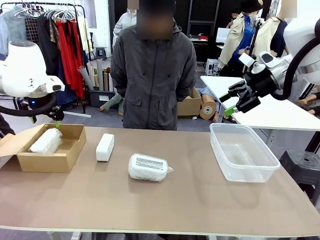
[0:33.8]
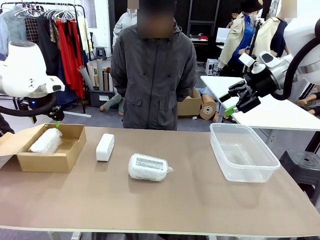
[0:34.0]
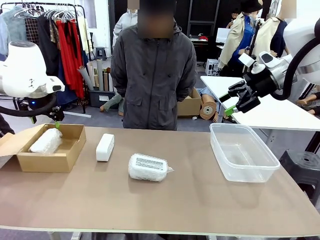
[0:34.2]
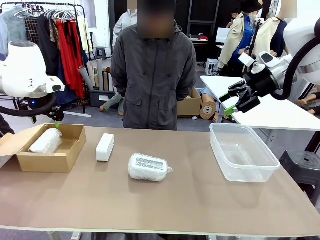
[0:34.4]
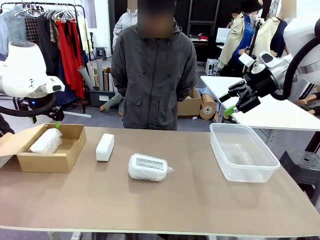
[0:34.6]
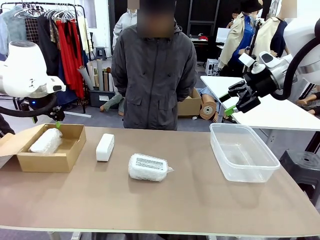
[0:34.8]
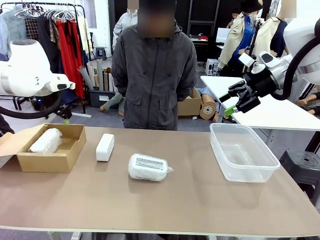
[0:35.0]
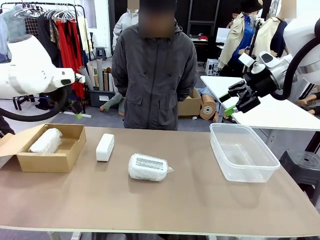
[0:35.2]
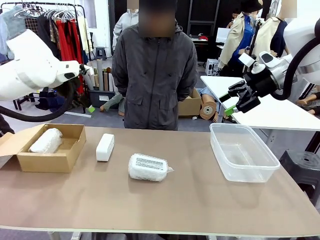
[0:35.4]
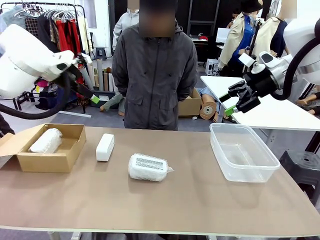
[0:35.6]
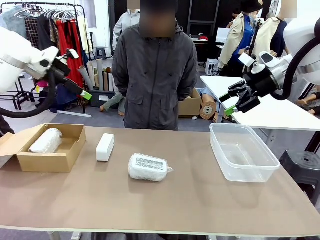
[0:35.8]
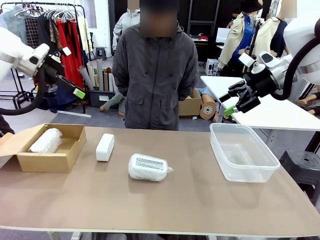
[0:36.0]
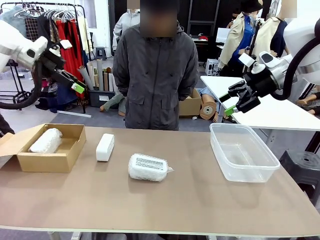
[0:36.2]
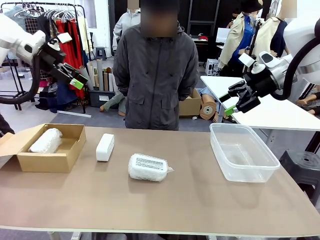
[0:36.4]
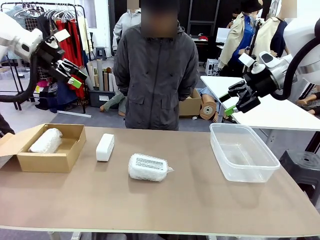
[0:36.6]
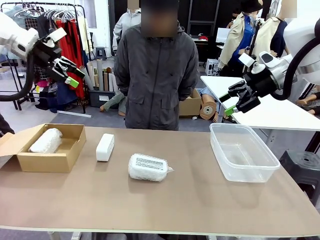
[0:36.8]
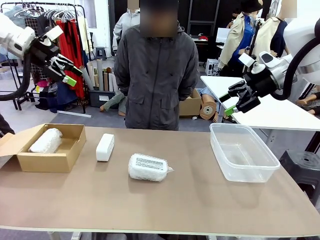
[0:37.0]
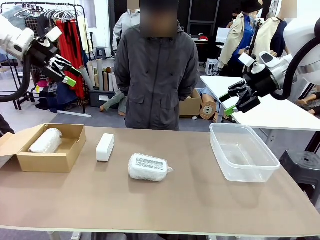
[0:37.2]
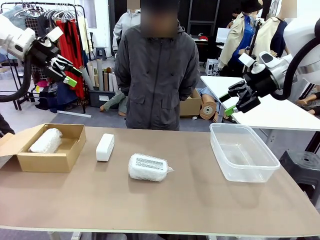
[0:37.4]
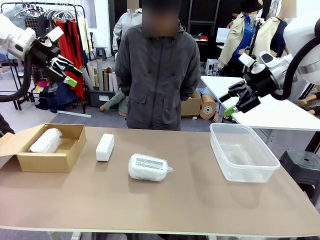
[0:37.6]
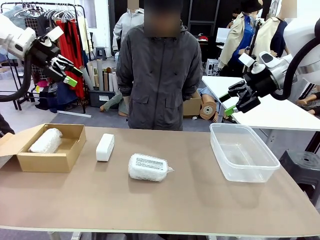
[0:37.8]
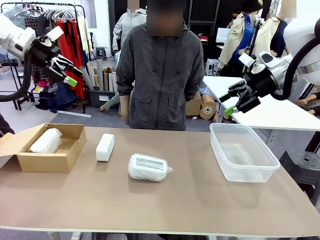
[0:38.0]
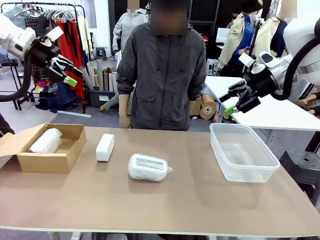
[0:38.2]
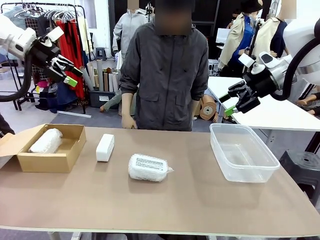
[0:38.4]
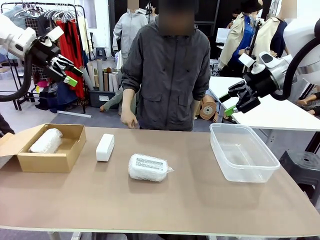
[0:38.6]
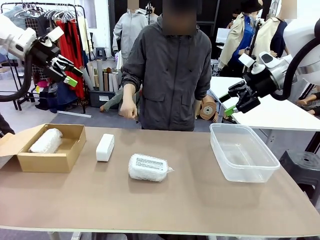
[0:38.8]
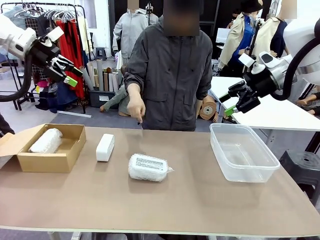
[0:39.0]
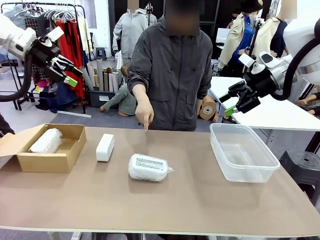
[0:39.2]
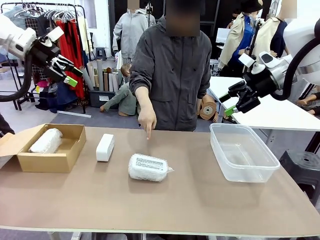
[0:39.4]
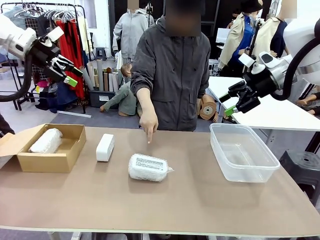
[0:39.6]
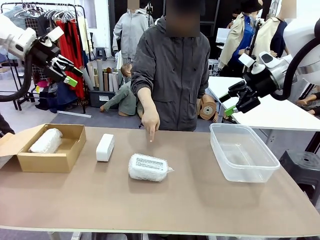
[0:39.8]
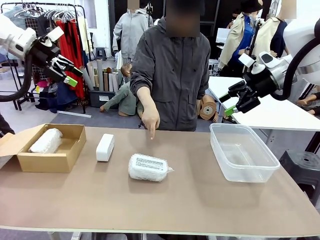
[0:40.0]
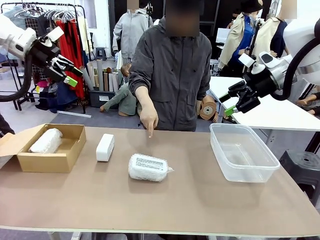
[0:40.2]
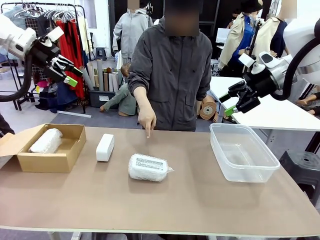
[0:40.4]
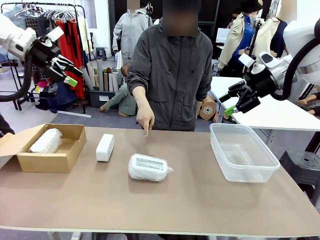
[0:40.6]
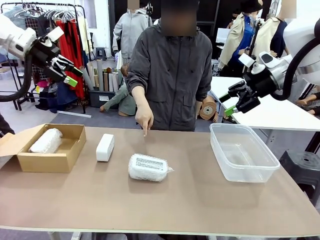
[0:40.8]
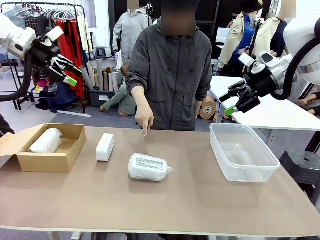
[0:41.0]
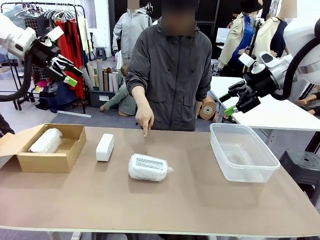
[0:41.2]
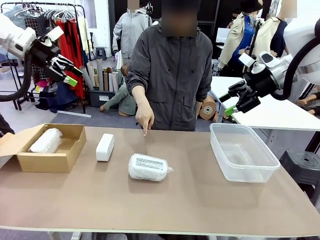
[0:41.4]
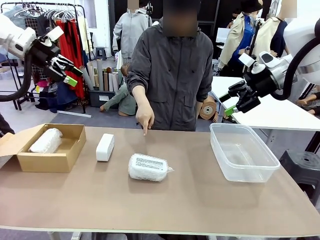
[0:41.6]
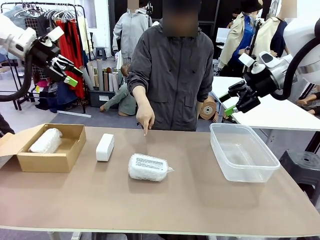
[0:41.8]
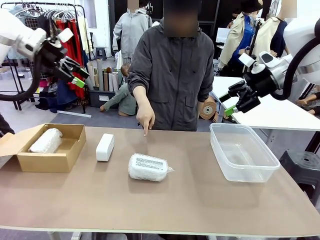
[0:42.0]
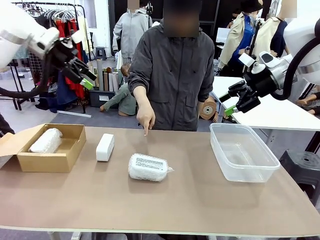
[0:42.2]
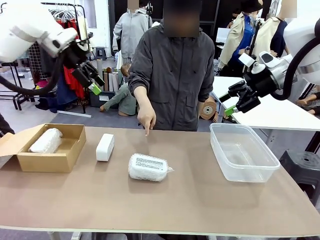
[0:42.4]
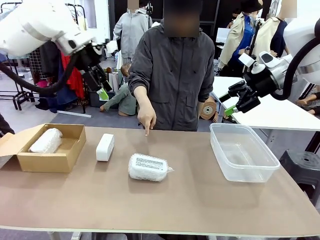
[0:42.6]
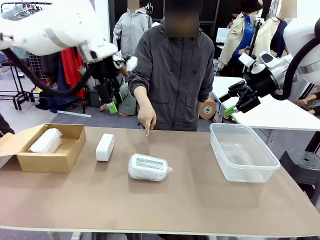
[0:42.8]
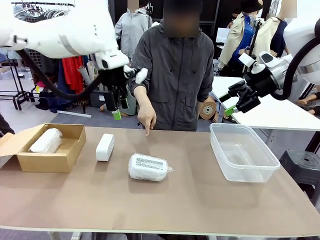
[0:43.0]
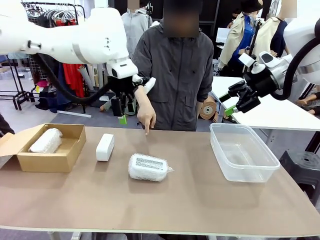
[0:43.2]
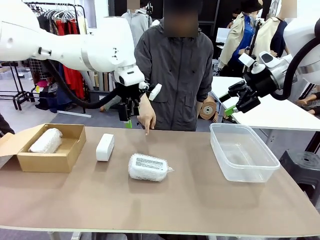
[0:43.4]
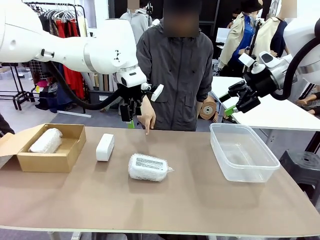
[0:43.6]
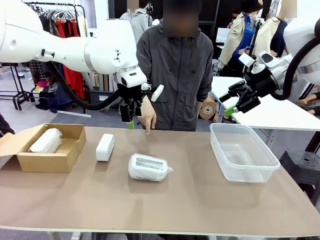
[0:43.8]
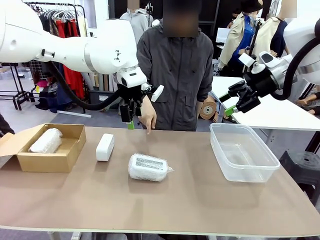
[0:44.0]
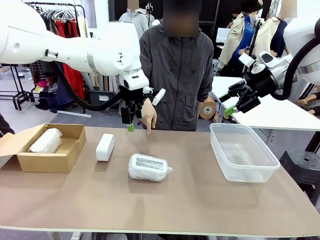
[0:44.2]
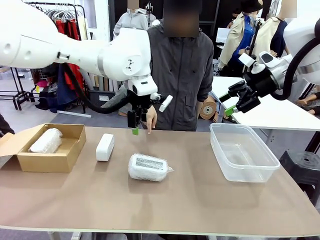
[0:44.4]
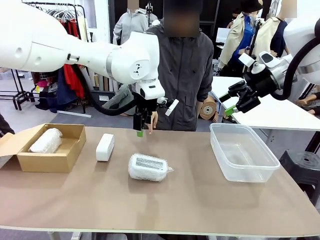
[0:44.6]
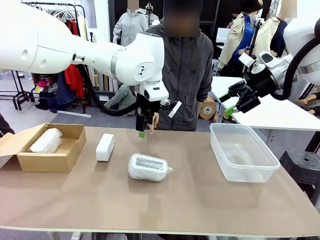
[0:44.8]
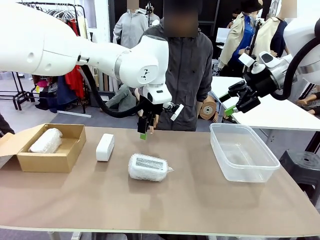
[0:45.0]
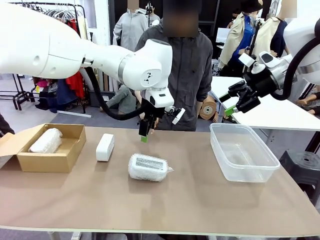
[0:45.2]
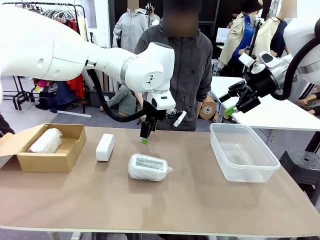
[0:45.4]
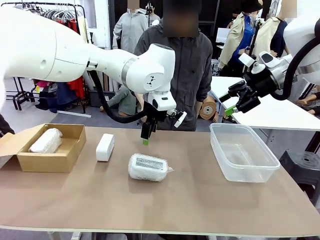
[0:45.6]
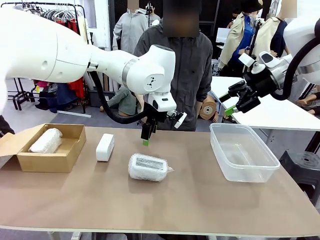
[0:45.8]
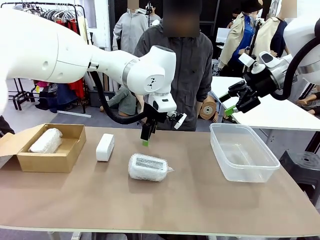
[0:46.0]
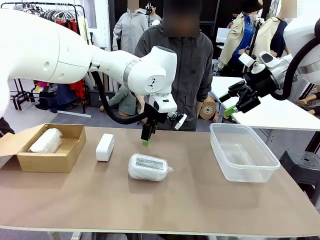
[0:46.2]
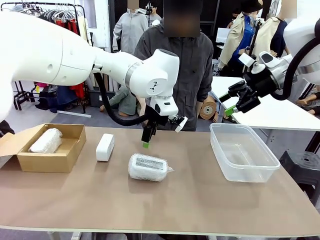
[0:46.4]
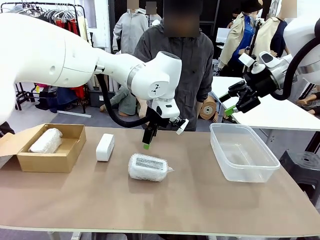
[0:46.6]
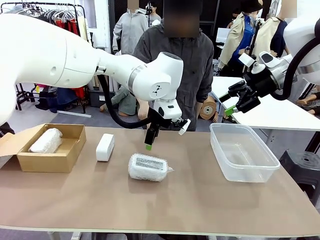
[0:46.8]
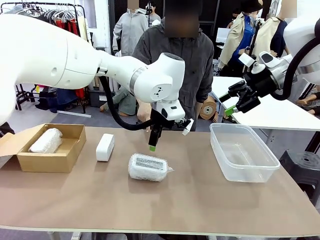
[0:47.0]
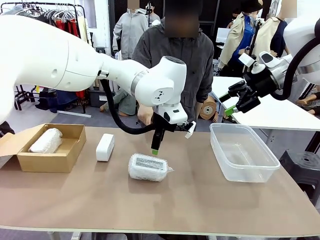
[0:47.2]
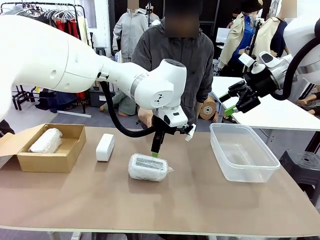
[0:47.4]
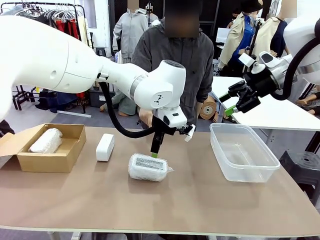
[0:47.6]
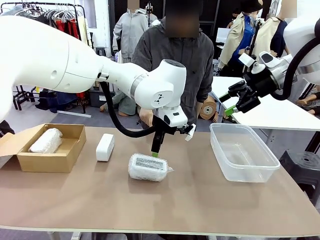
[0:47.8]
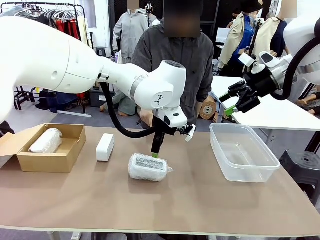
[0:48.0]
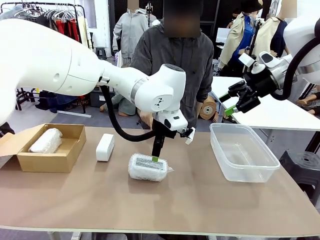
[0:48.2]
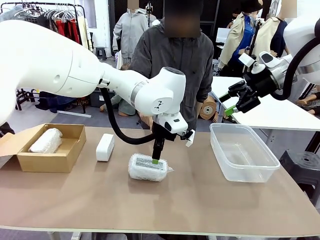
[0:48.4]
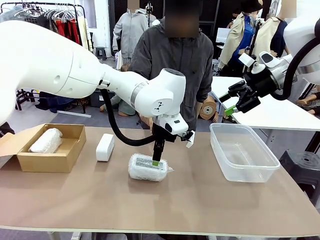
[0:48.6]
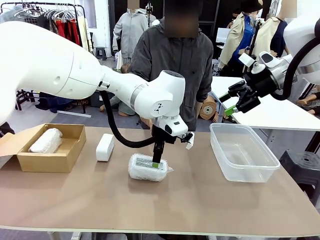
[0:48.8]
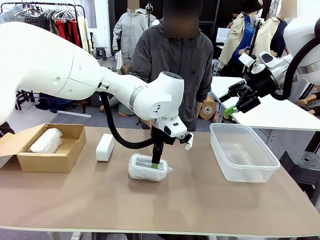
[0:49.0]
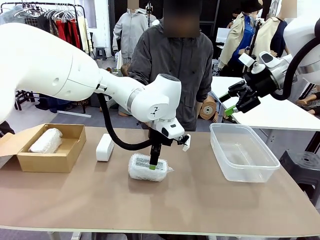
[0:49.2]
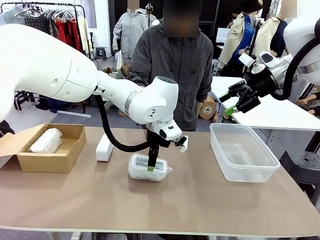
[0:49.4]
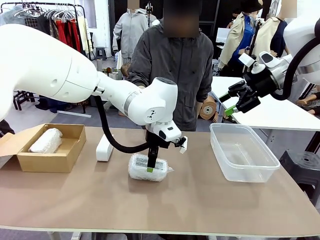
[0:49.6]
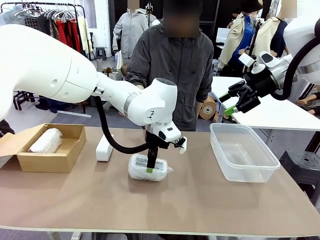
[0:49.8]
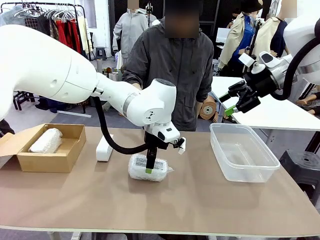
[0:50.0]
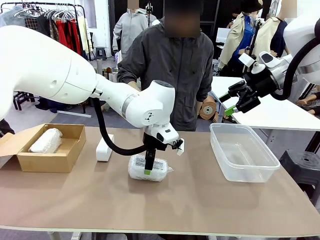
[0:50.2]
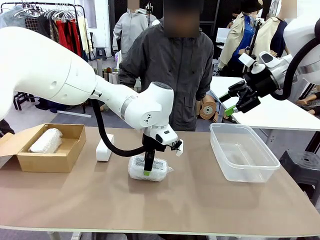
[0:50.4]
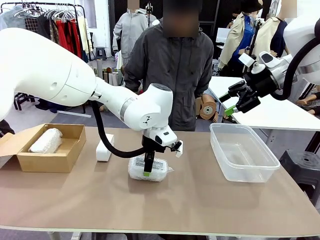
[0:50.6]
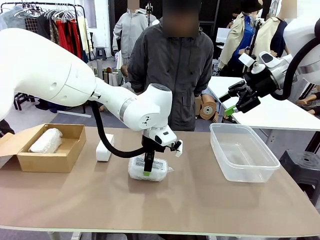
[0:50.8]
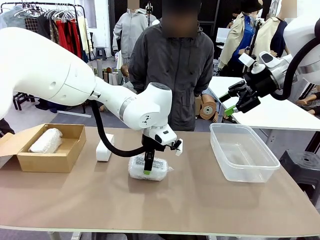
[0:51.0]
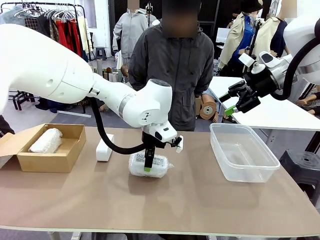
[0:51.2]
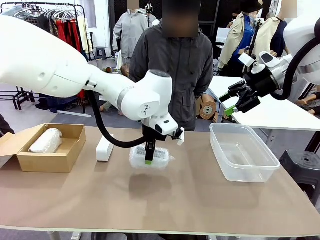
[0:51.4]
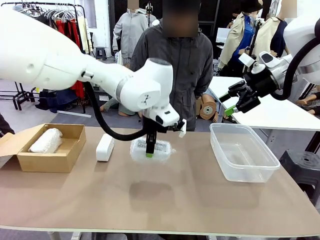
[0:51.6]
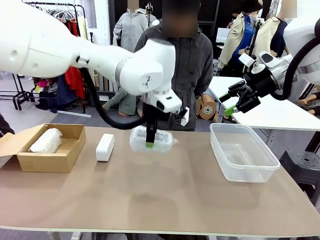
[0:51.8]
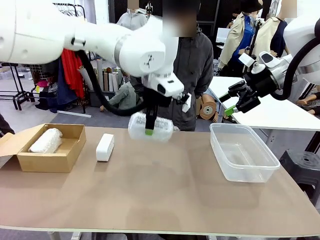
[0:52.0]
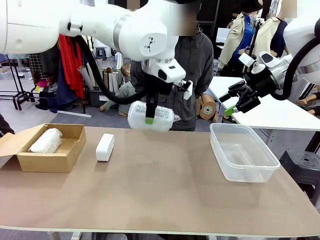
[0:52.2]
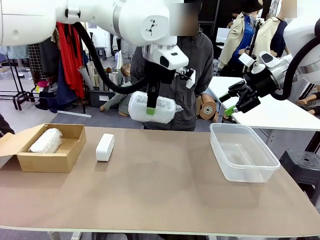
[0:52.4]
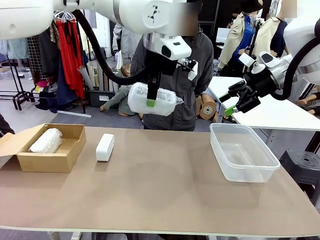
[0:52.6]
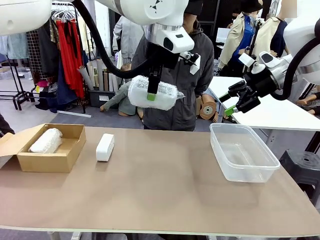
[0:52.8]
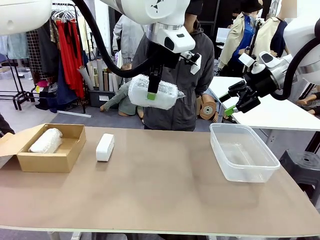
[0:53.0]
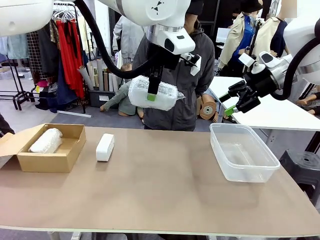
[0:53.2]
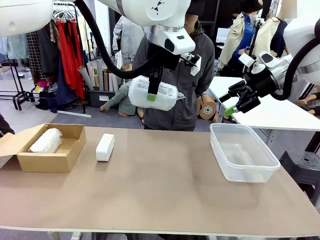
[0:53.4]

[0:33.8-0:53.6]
Task: Separate and place wrapped and unwrapped clocks.
Robot: Pick up the Digital clock indicated by the person.
